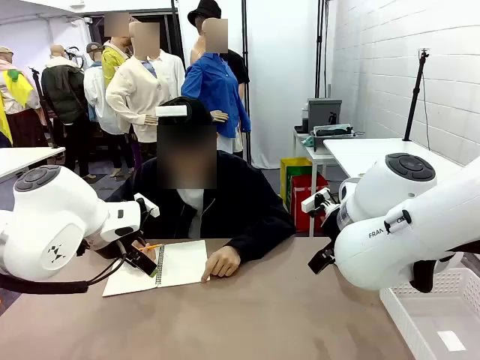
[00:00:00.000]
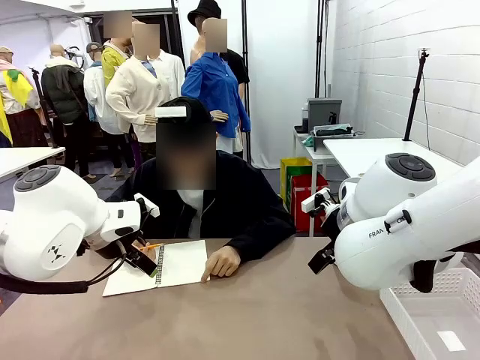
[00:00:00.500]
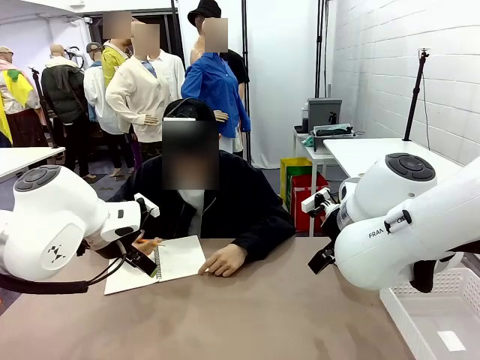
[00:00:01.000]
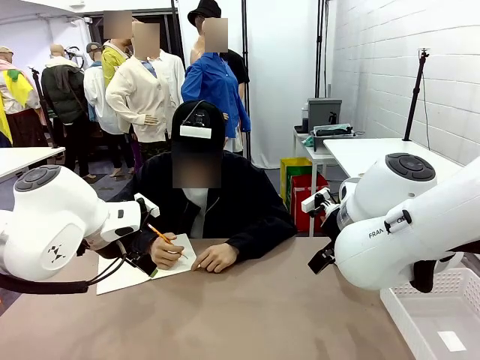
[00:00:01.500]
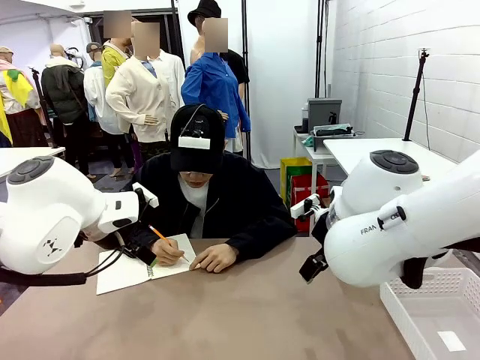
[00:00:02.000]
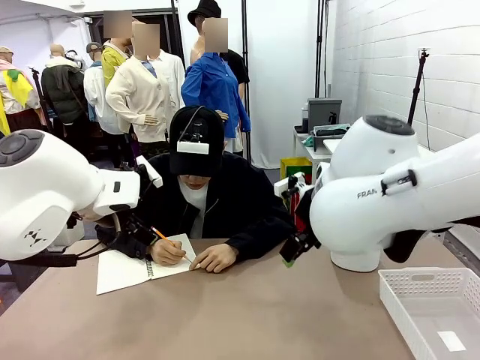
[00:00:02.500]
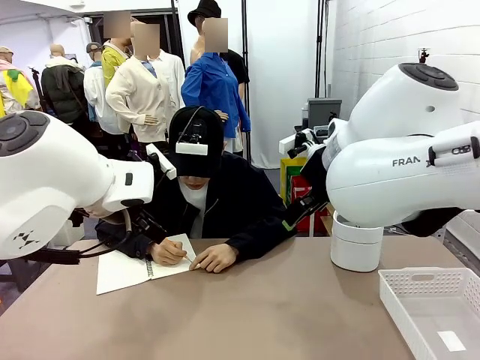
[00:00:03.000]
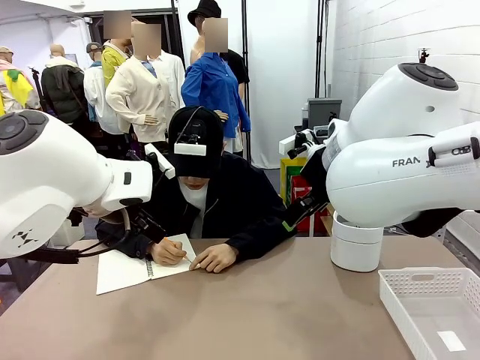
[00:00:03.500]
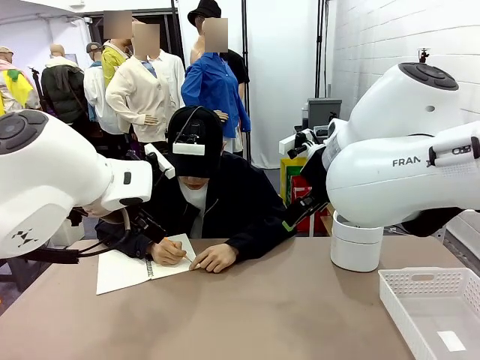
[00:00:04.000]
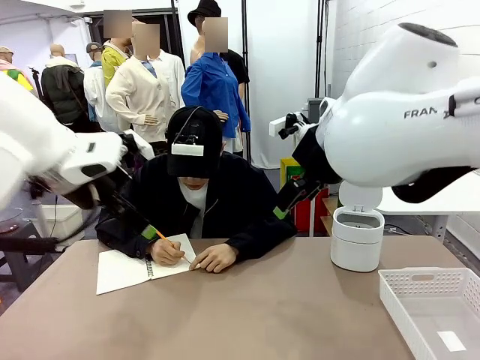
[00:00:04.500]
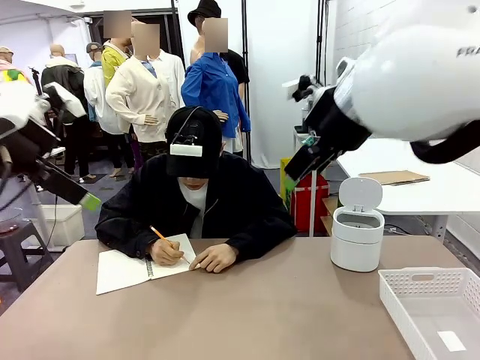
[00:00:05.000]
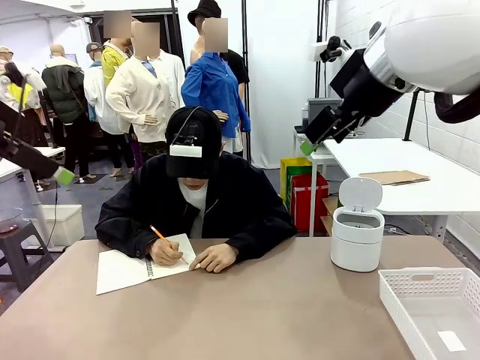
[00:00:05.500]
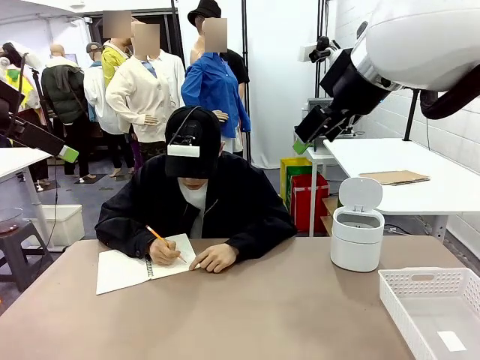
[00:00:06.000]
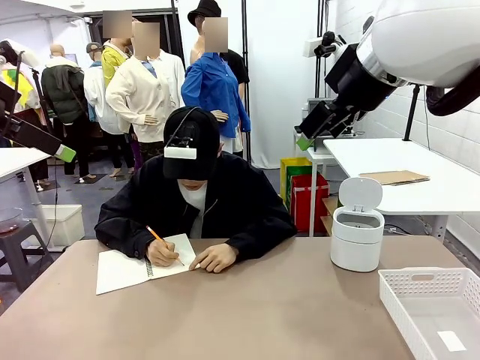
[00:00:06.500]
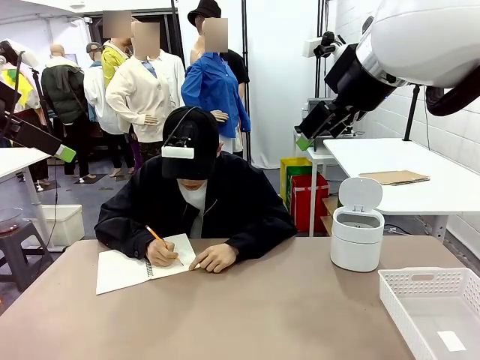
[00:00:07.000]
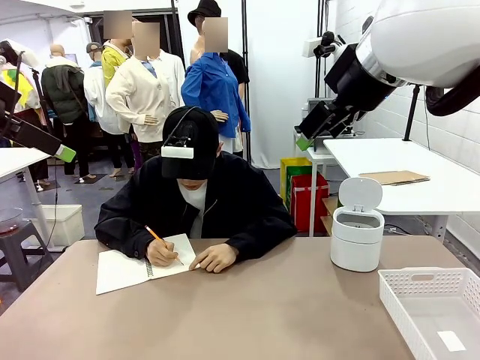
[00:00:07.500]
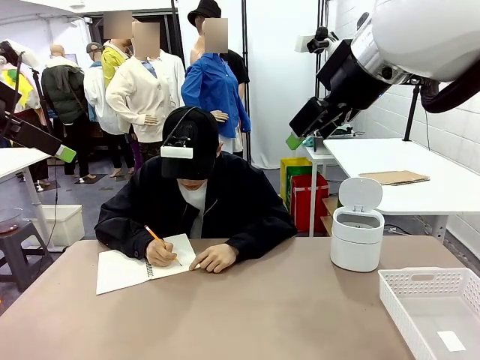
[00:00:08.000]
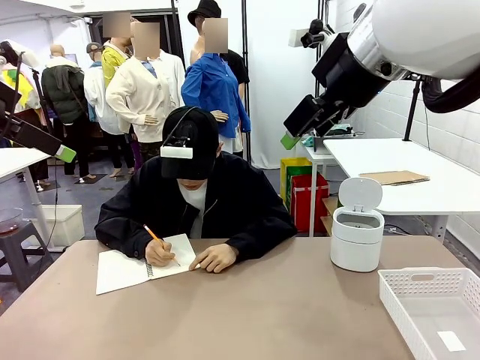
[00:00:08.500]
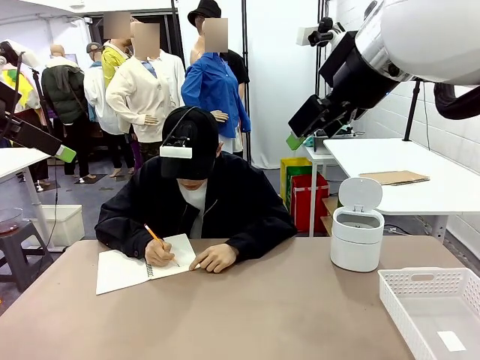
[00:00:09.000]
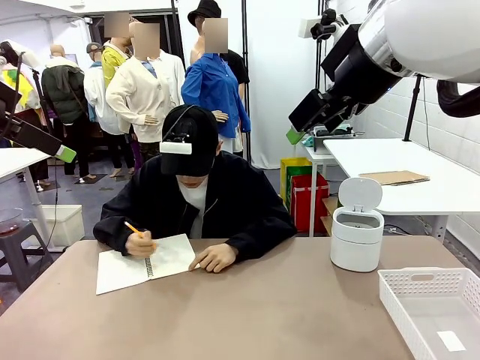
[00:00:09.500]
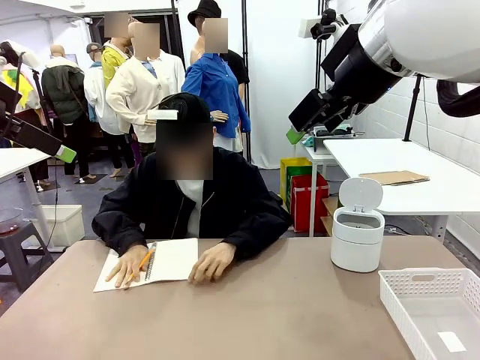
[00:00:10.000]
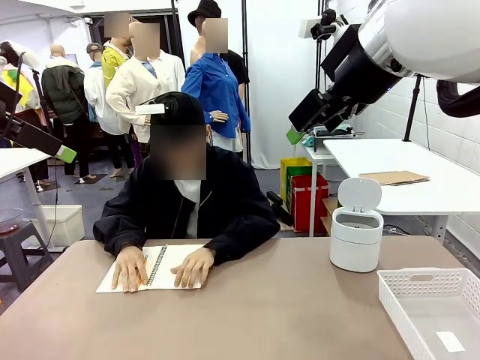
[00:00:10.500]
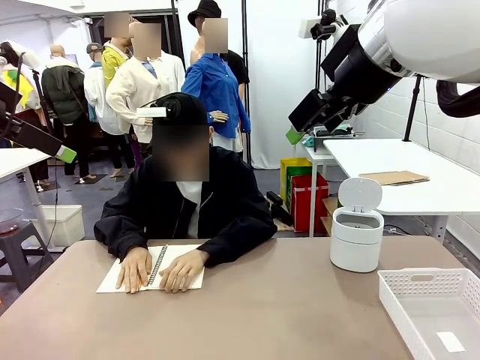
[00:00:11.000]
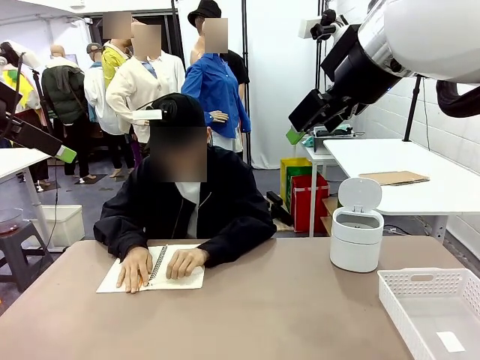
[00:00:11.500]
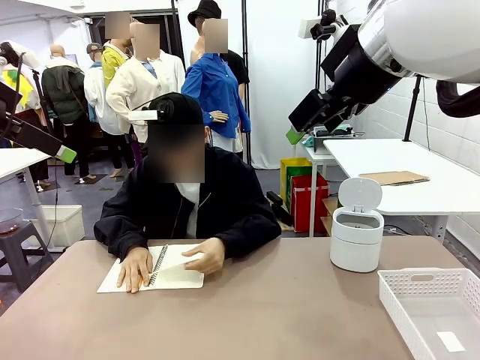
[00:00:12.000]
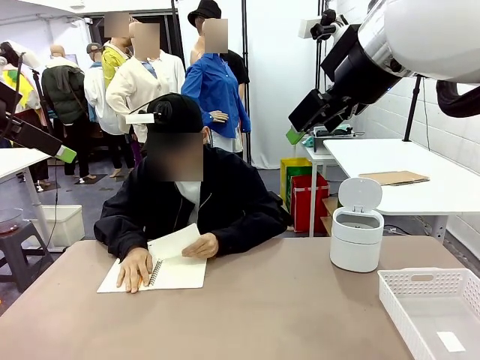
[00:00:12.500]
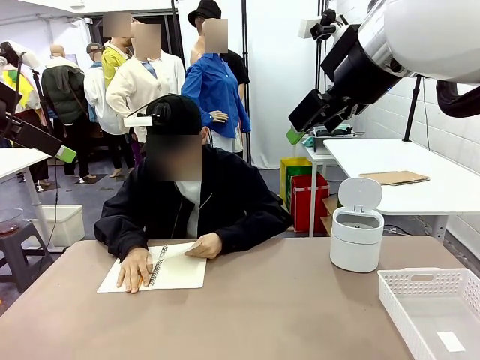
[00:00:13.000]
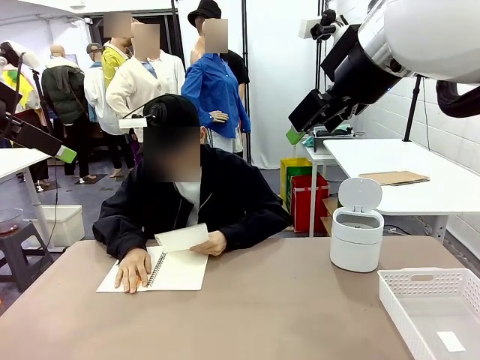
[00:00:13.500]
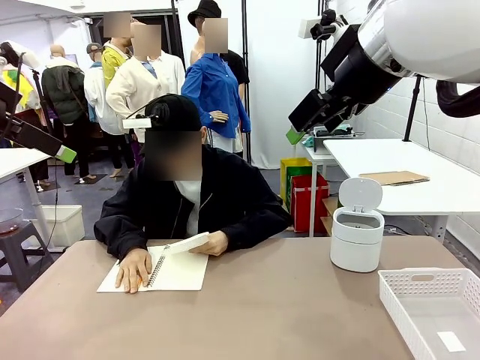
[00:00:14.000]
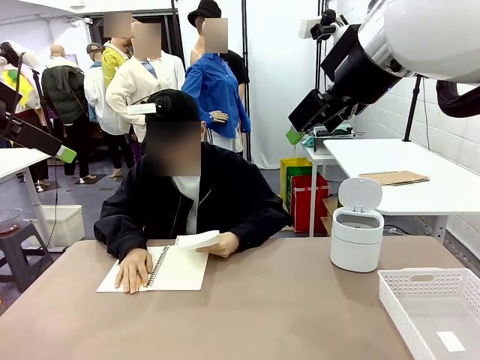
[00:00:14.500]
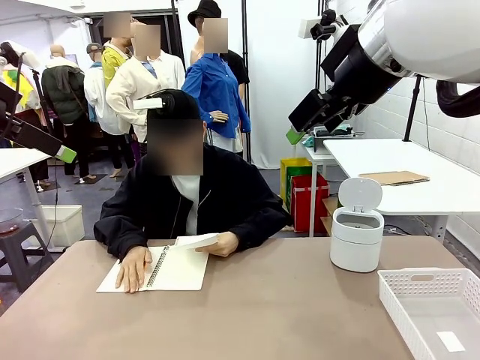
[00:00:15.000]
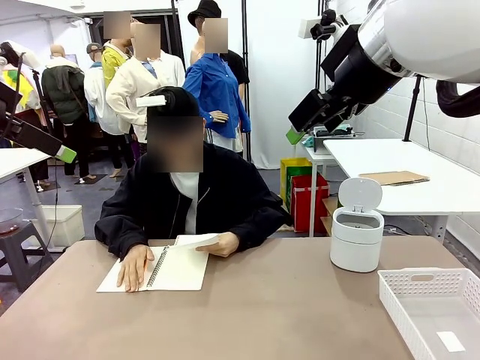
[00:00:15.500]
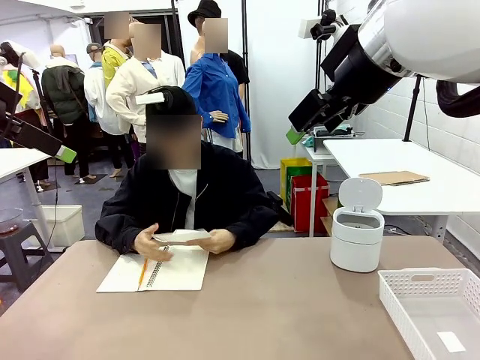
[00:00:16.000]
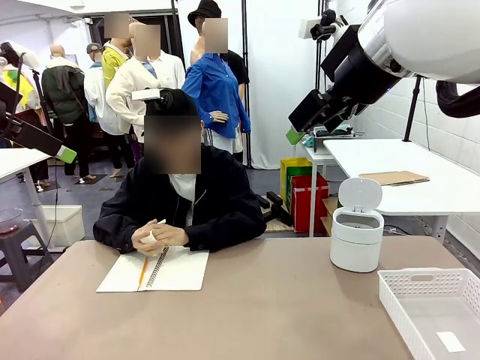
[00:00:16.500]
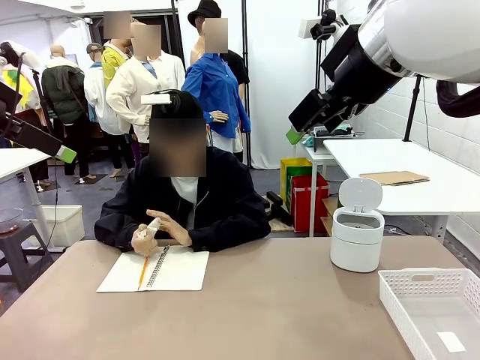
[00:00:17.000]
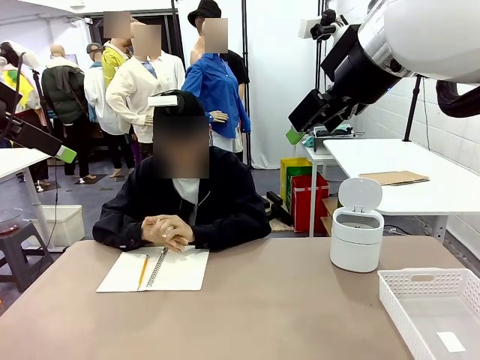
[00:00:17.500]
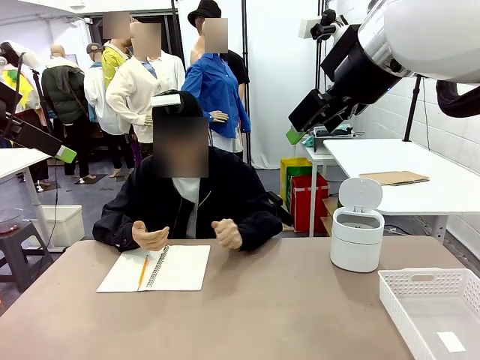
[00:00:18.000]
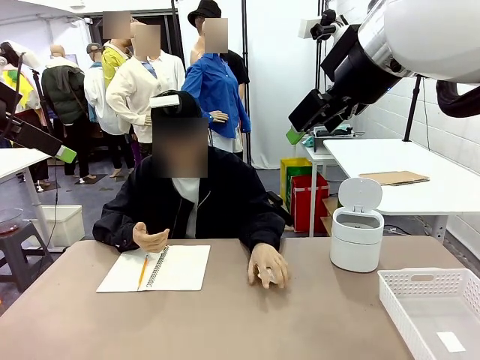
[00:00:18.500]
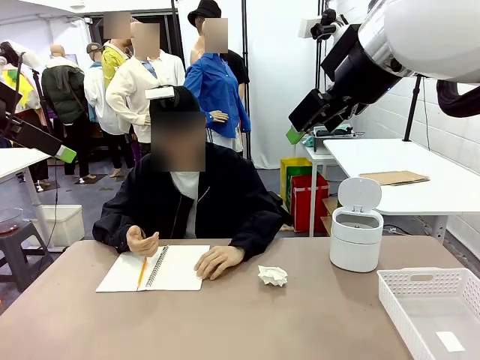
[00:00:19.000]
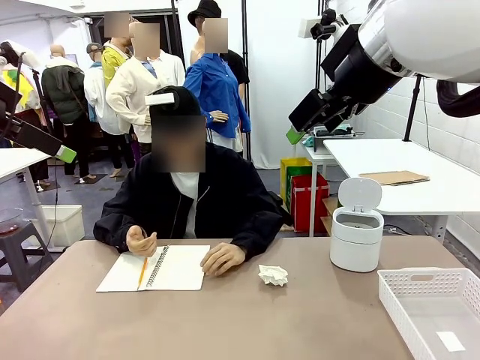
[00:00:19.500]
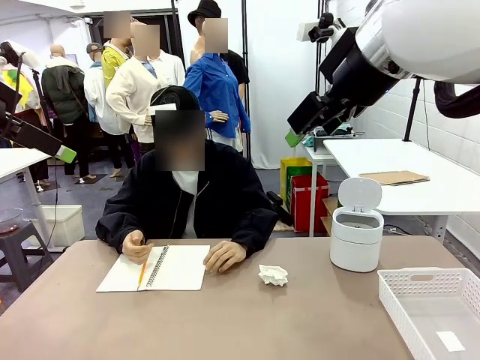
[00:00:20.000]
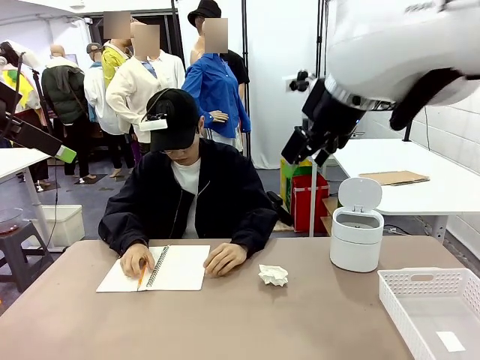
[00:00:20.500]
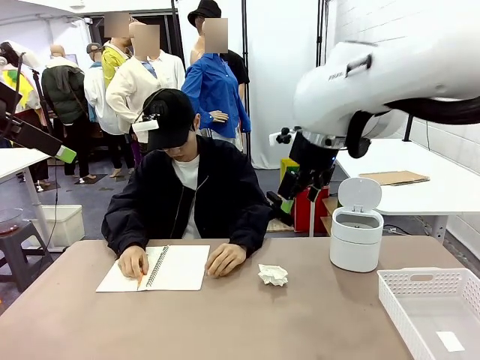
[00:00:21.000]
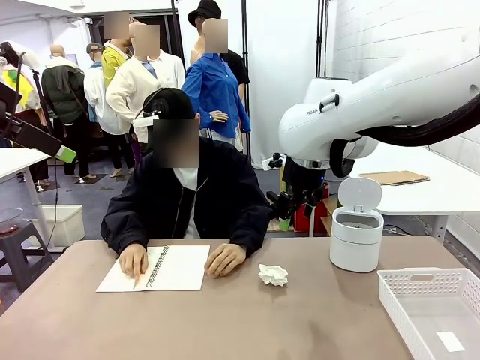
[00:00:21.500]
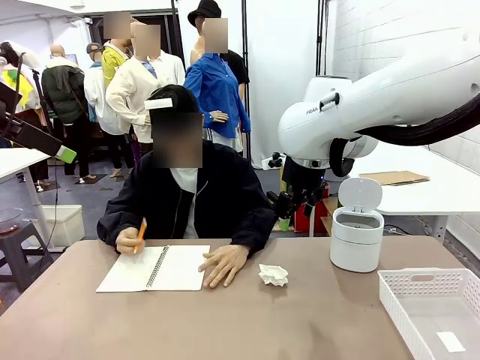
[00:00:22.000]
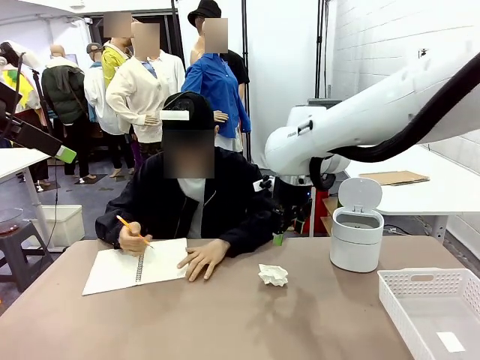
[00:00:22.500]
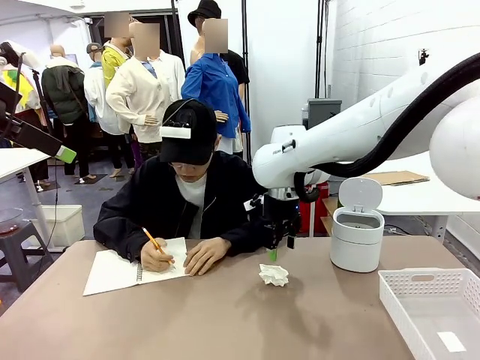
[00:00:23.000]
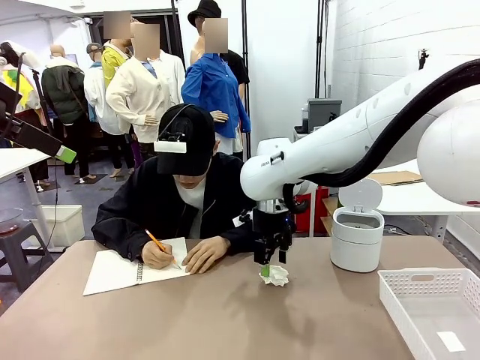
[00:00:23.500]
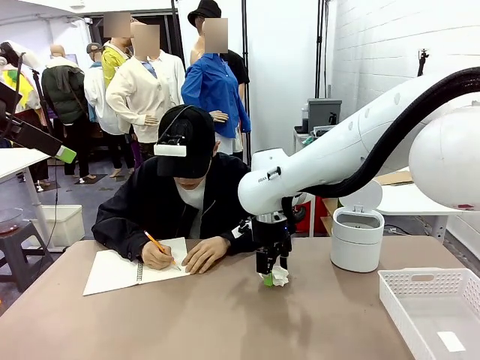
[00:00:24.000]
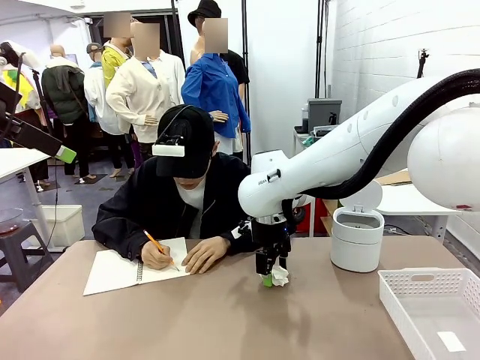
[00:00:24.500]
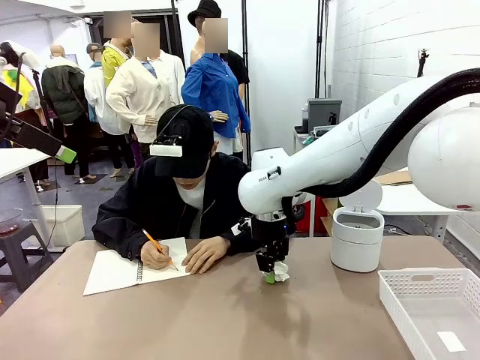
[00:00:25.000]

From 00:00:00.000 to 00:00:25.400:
Task: Sort the paper based on its condition.
Robot: If a person hands you a paper, place it in the Organizing basket , and if it's crumpled, put it in the Trash can.
Person: Tear out a page from the spiral notebook. Hand the torn page to the robot or crumple it and throw it to the center of the table.
